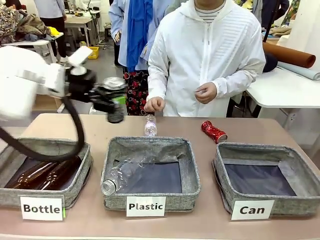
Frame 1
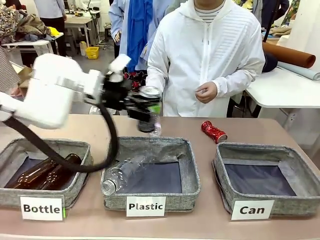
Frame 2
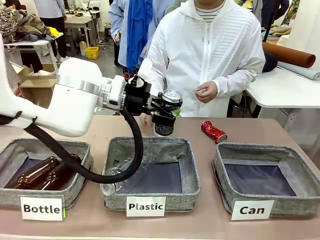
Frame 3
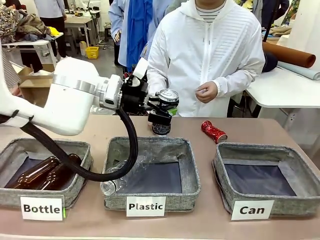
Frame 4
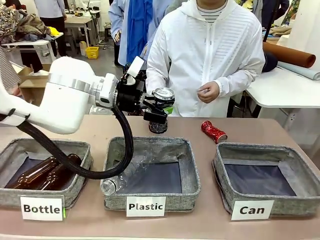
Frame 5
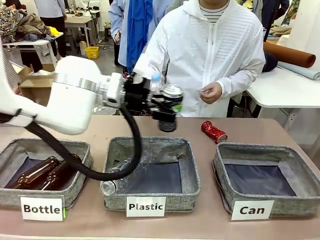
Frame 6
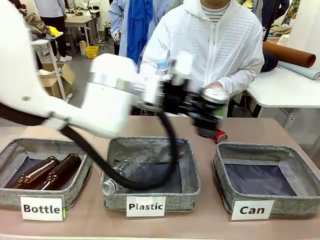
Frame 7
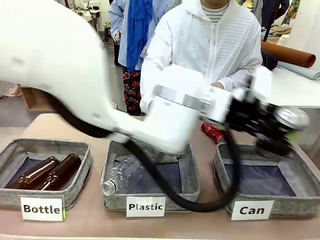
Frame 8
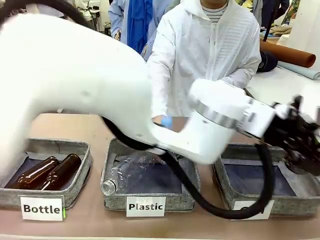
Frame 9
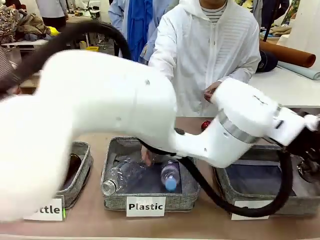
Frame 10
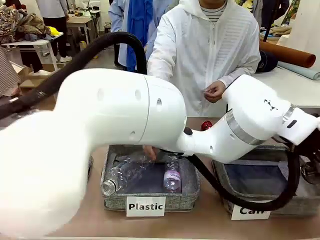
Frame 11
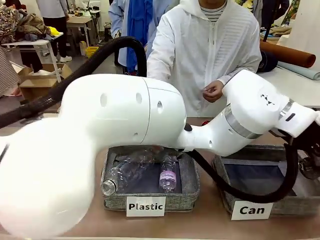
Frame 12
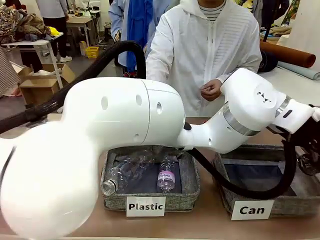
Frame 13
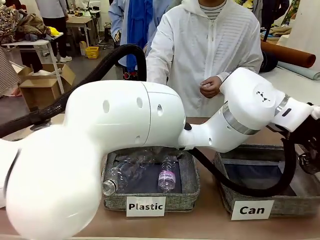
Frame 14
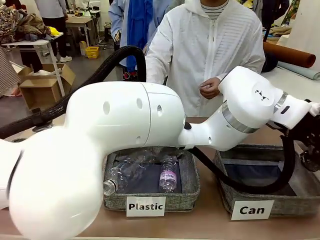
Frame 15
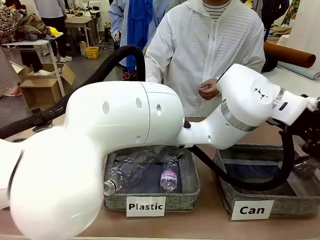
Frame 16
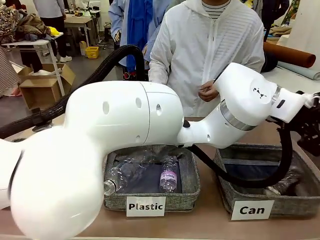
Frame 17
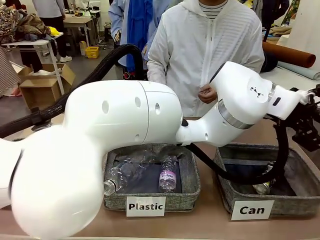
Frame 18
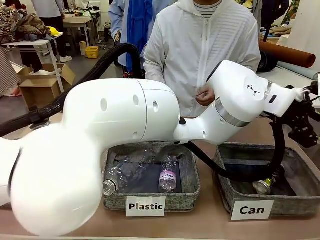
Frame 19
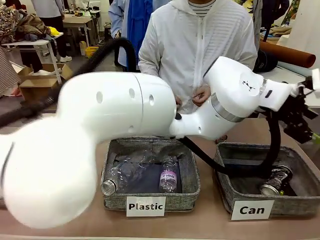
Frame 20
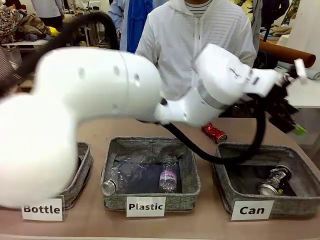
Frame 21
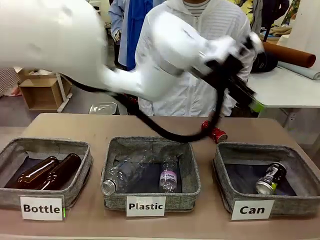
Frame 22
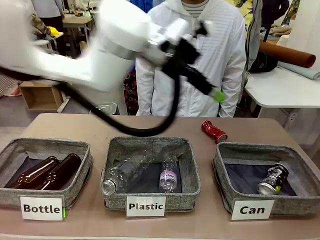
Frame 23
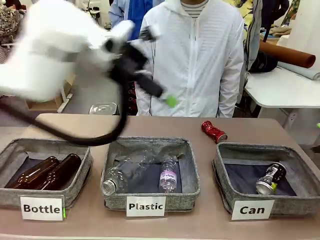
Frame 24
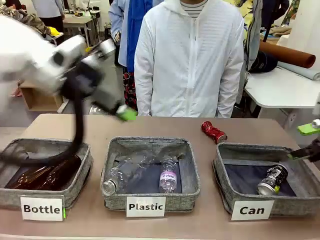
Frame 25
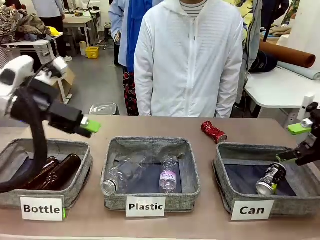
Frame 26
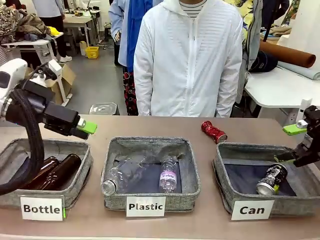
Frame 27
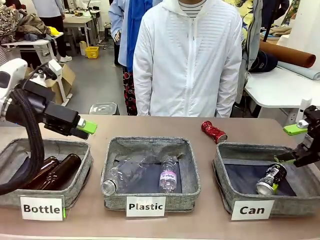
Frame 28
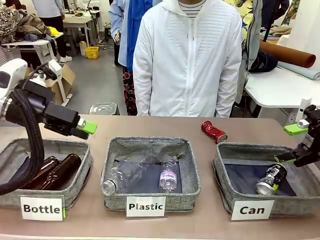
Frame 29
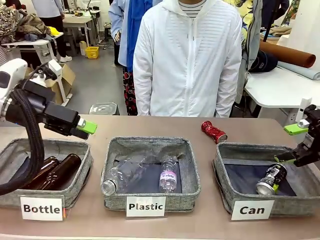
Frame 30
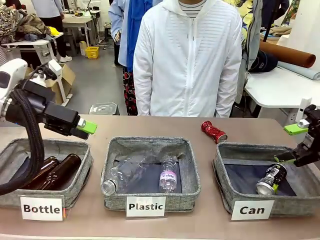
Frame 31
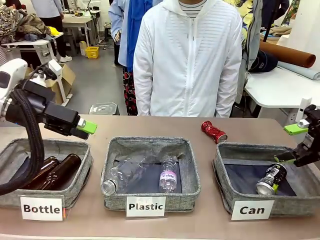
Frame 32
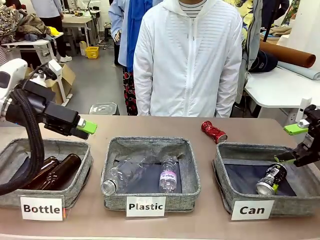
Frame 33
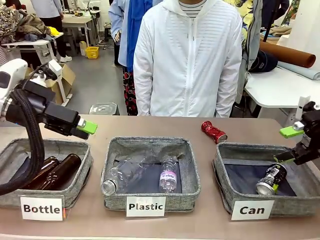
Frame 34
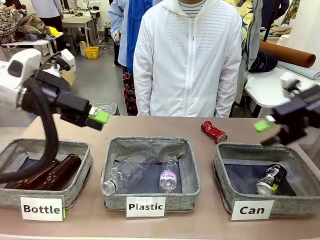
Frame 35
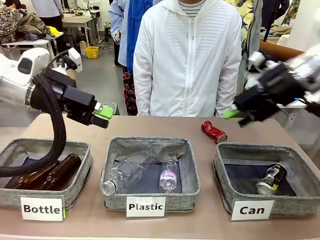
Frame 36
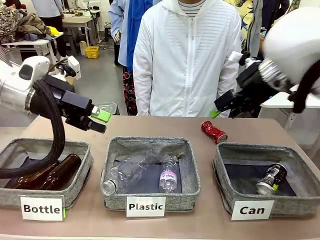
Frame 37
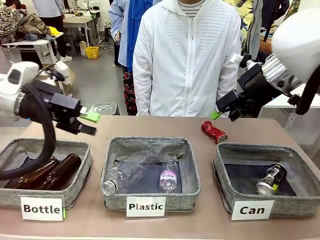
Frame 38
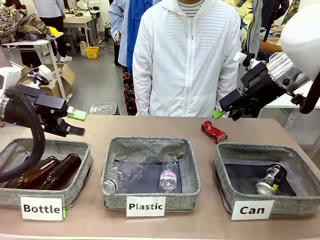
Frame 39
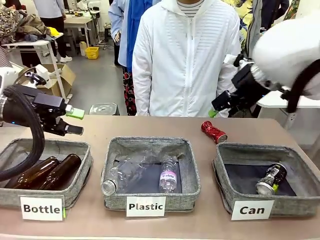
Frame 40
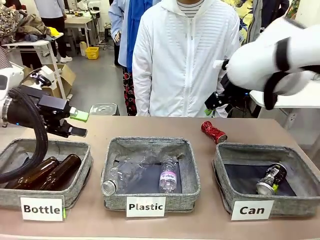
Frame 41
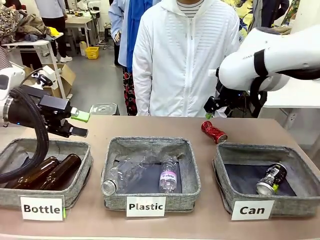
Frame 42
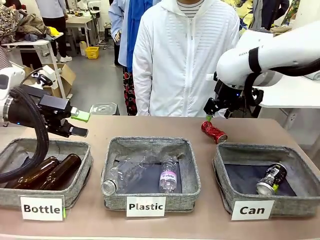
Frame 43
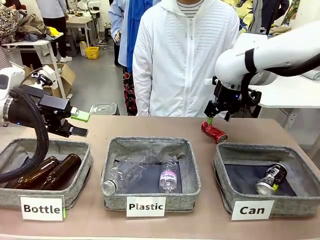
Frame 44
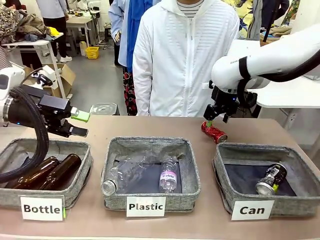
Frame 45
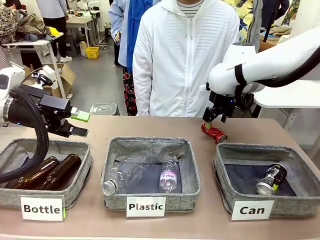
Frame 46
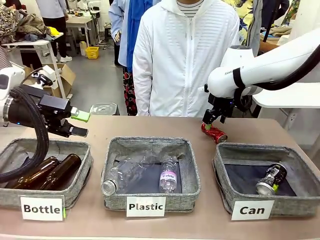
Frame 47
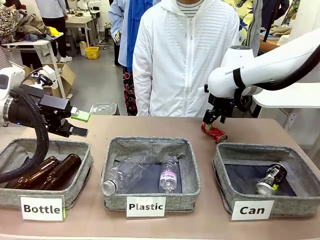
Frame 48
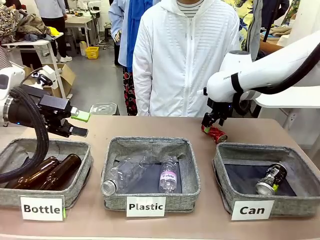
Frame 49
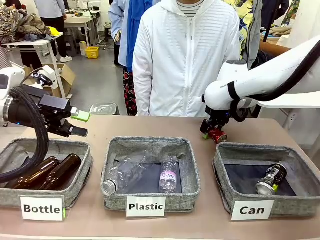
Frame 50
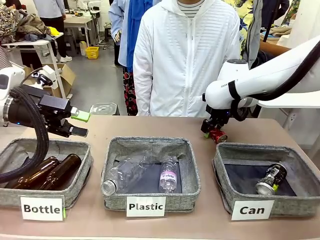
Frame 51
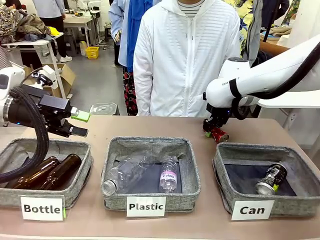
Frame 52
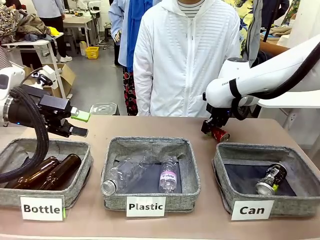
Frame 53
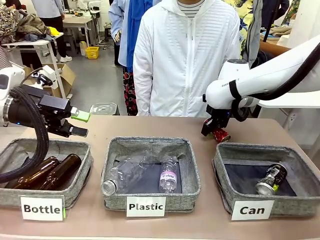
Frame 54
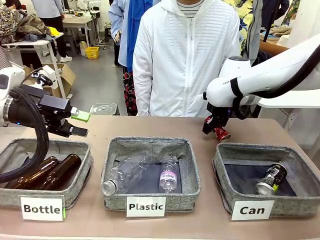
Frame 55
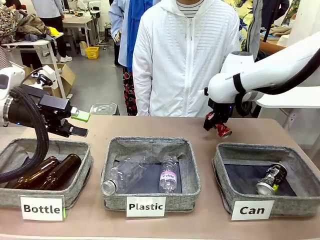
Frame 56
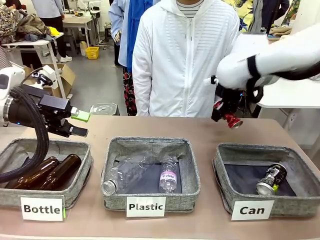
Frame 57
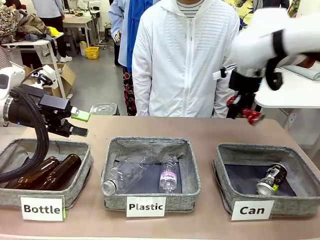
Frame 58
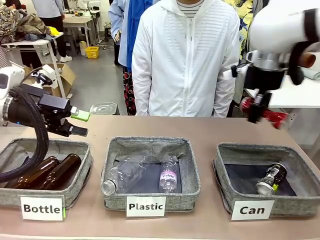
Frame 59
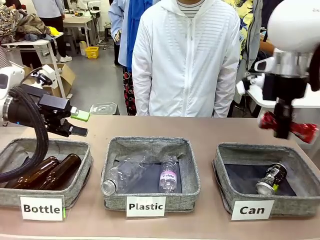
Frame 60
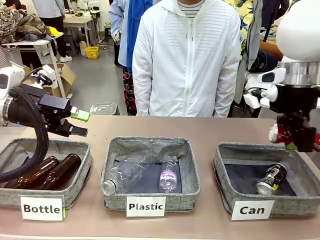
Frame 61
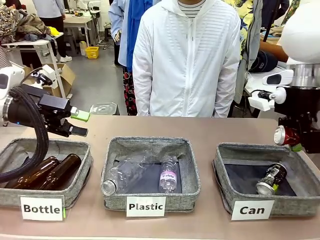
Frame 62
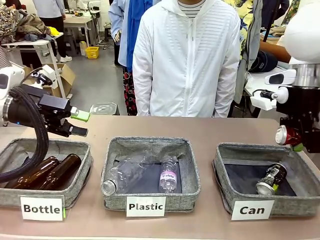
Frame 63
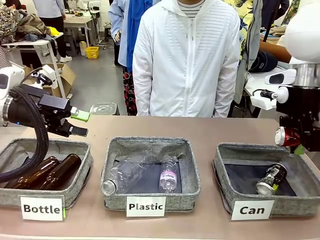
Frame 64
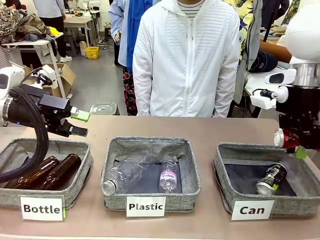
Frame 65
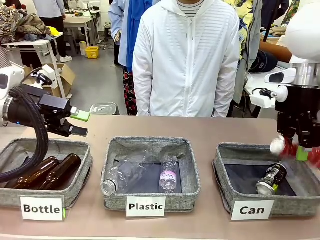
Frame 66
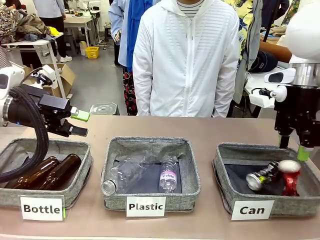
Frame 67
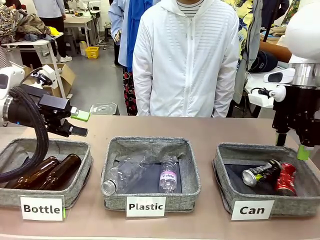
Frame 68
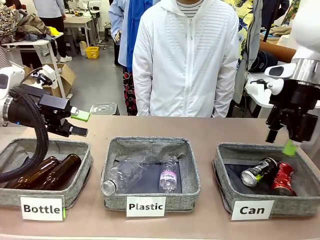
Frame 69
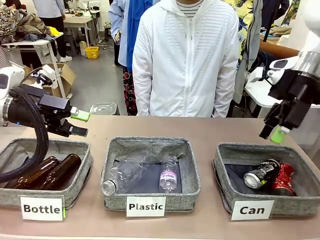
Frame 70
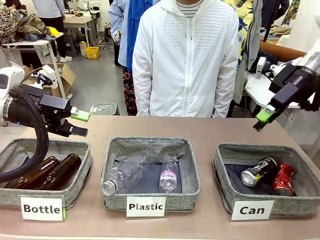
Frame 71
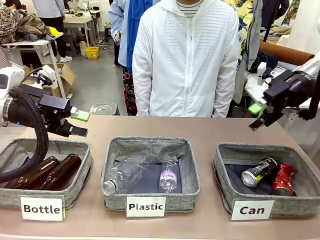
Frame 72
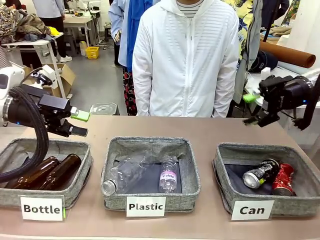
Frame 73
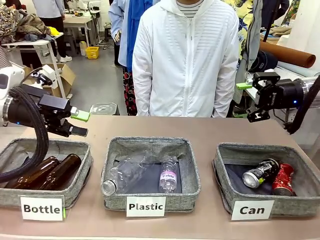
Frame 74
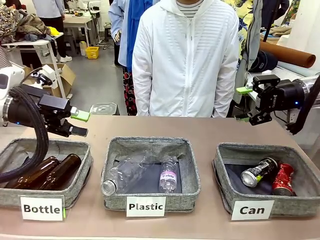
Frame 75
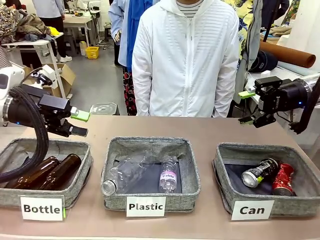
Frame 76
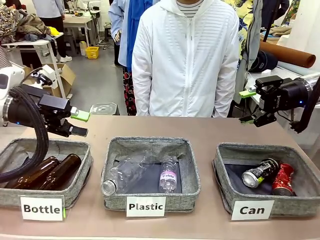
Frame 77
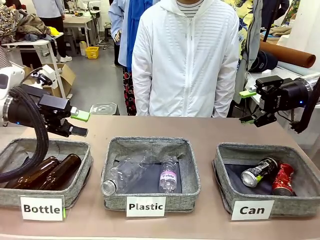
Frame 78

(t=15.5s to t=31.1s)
Task: Sort the can waste into the basket.
Robot: Pick up the can waste from the table and place it in the right Fabric basket.
Person: The human picks up one piece of trash that is not a can and places the trash into the appropriate organizing basket.
